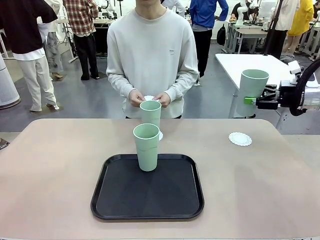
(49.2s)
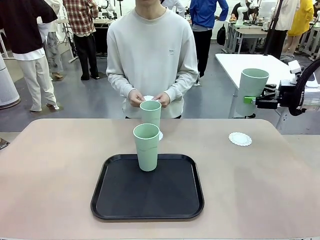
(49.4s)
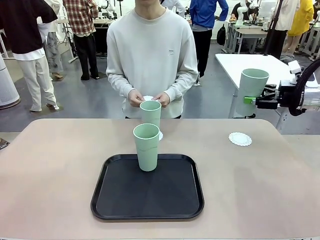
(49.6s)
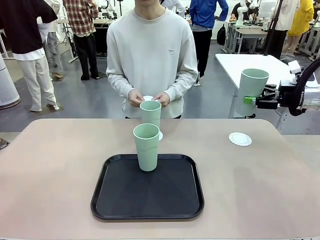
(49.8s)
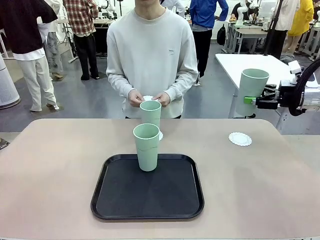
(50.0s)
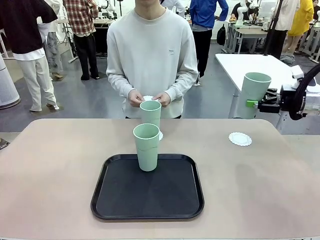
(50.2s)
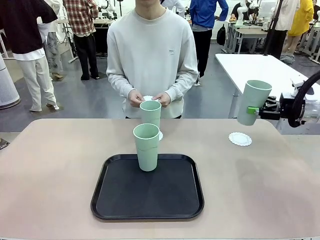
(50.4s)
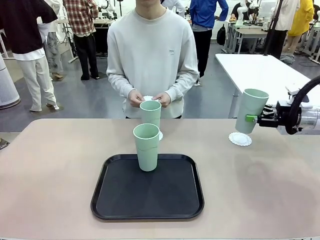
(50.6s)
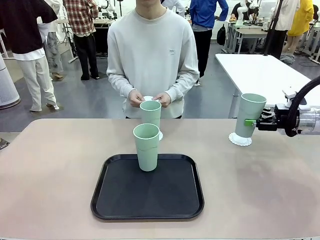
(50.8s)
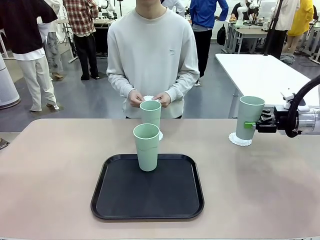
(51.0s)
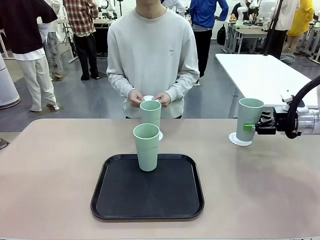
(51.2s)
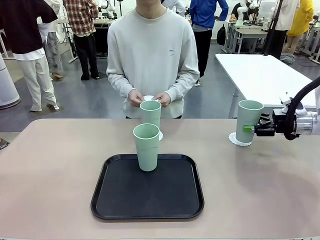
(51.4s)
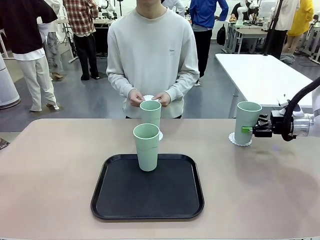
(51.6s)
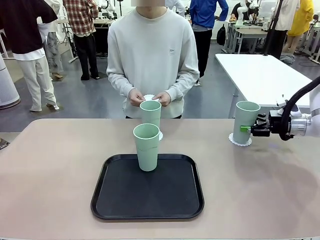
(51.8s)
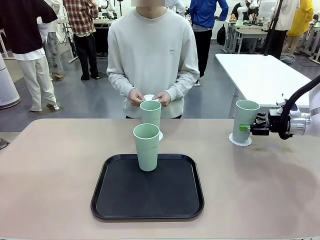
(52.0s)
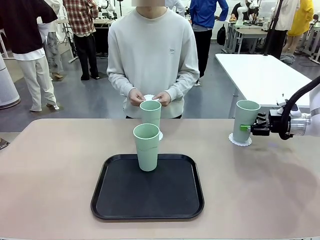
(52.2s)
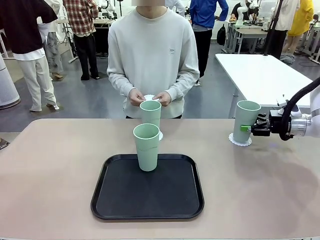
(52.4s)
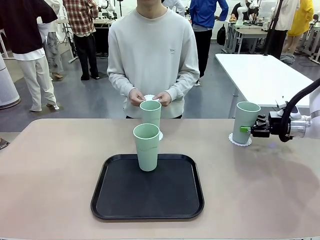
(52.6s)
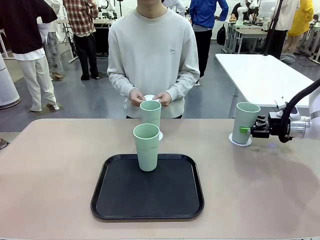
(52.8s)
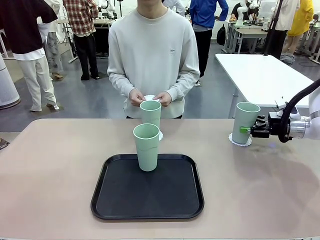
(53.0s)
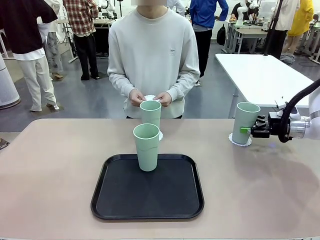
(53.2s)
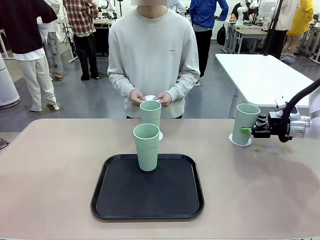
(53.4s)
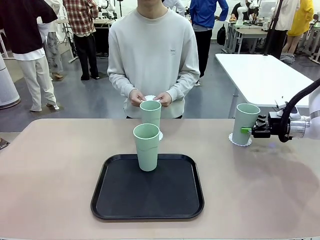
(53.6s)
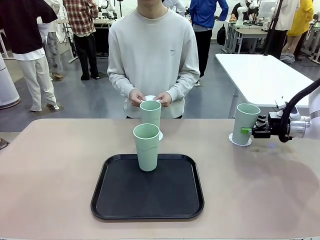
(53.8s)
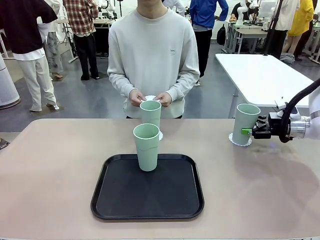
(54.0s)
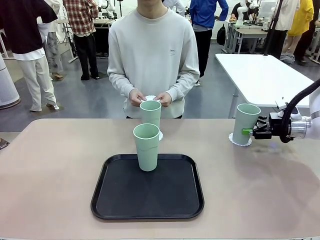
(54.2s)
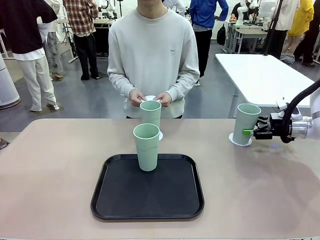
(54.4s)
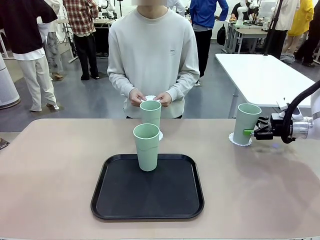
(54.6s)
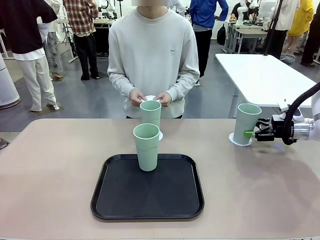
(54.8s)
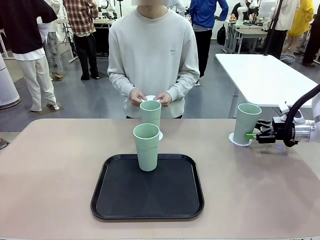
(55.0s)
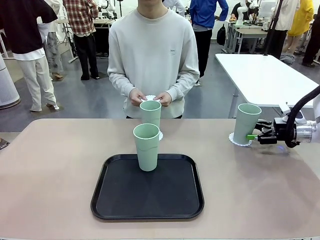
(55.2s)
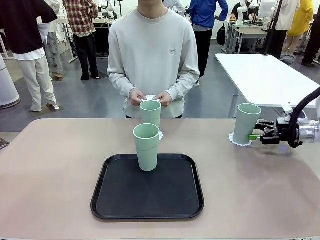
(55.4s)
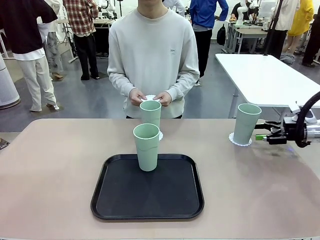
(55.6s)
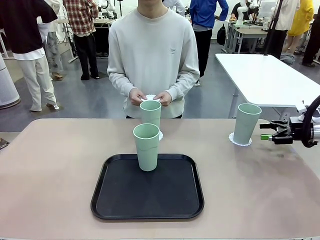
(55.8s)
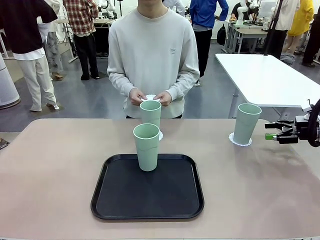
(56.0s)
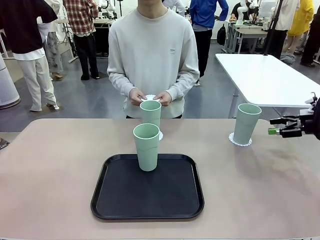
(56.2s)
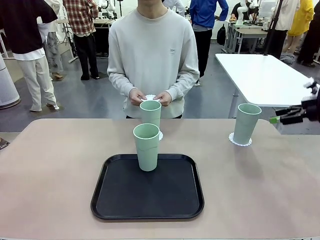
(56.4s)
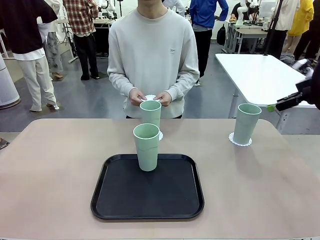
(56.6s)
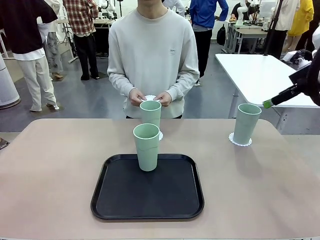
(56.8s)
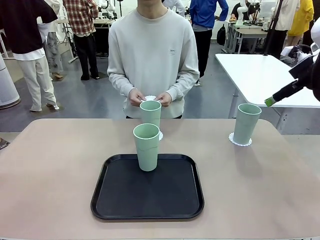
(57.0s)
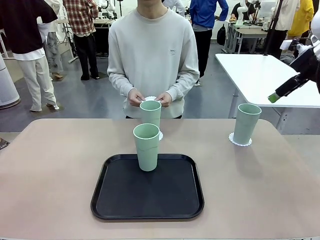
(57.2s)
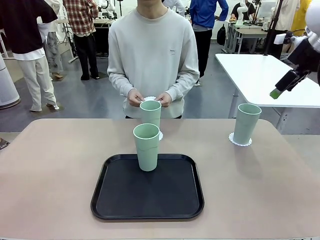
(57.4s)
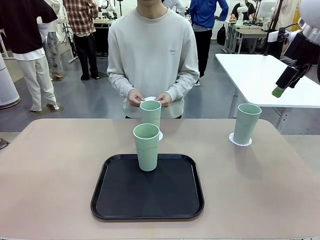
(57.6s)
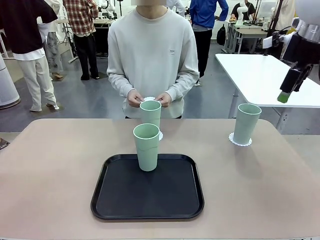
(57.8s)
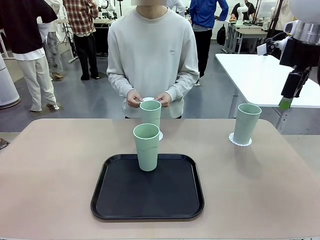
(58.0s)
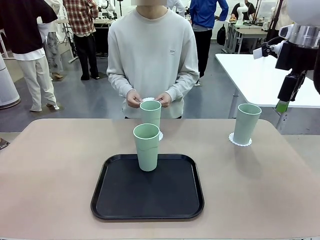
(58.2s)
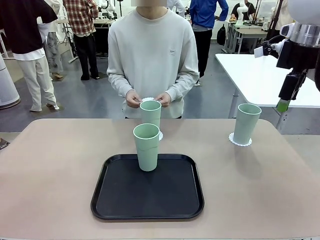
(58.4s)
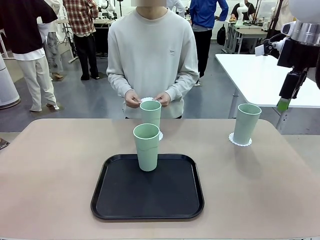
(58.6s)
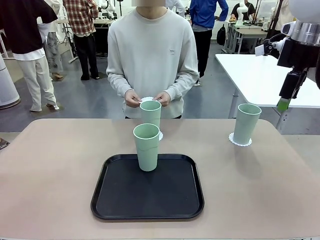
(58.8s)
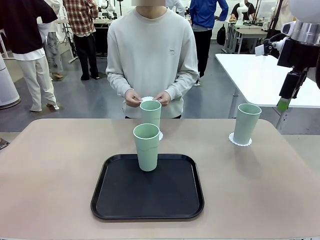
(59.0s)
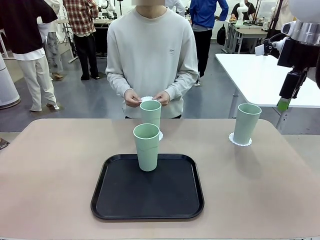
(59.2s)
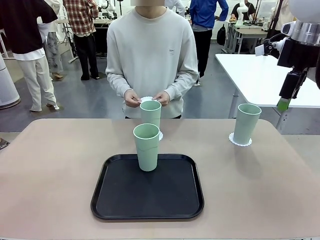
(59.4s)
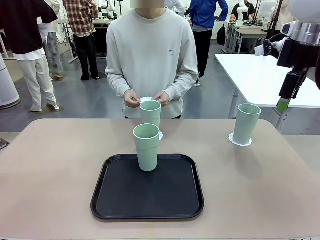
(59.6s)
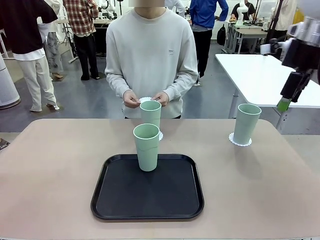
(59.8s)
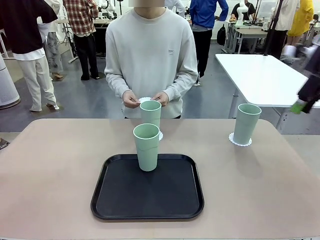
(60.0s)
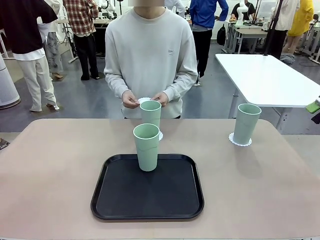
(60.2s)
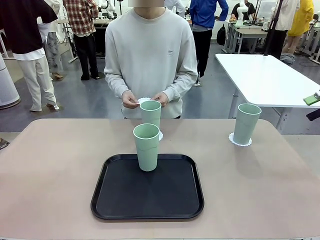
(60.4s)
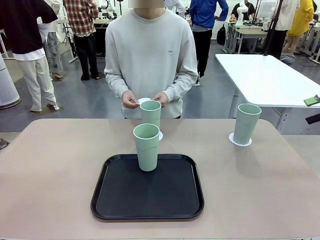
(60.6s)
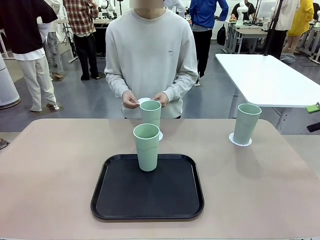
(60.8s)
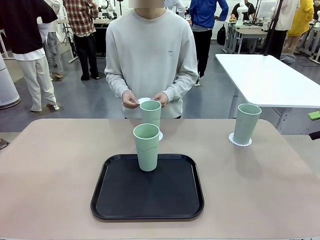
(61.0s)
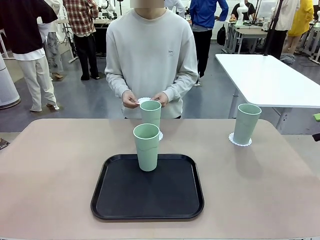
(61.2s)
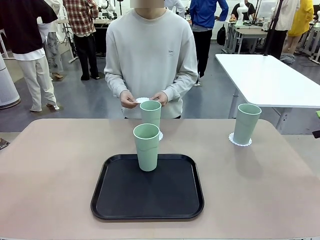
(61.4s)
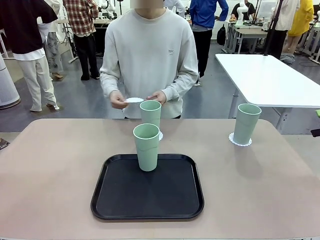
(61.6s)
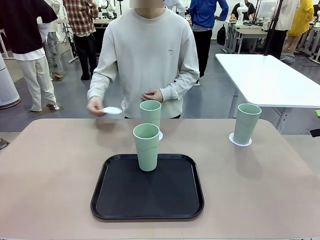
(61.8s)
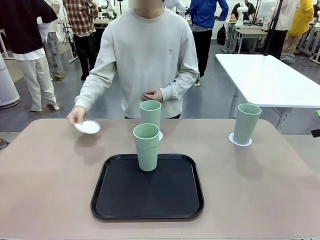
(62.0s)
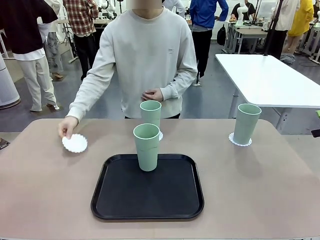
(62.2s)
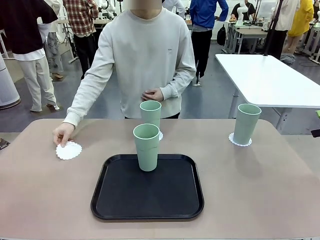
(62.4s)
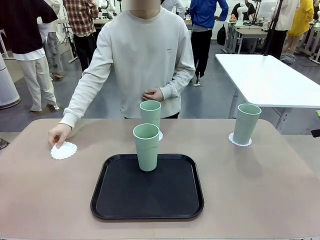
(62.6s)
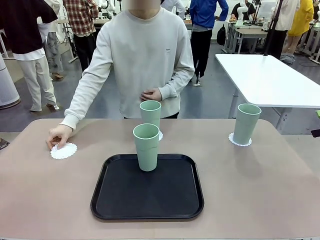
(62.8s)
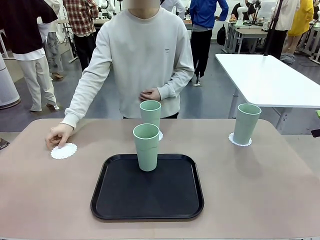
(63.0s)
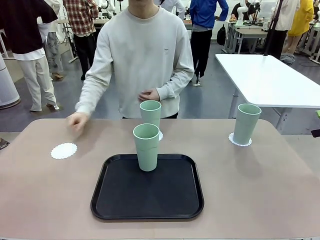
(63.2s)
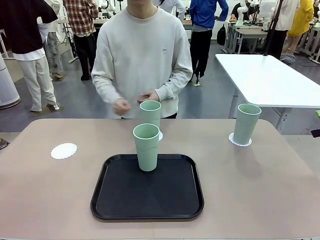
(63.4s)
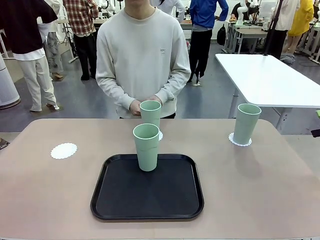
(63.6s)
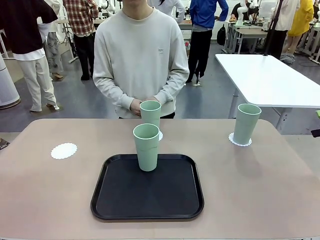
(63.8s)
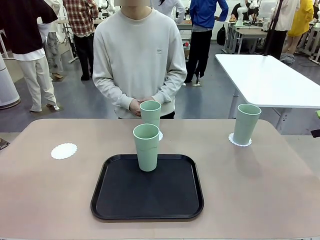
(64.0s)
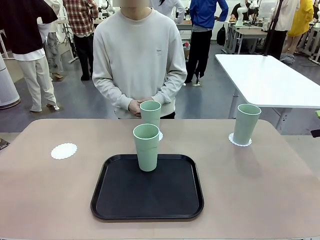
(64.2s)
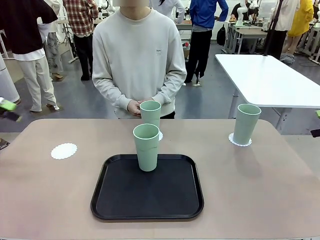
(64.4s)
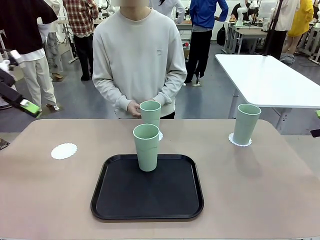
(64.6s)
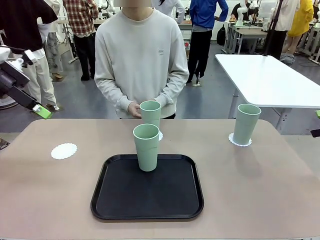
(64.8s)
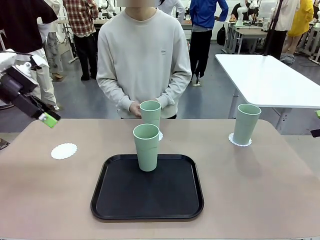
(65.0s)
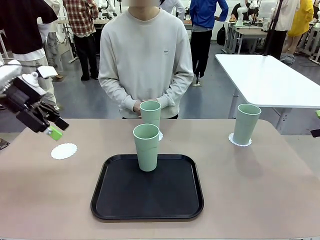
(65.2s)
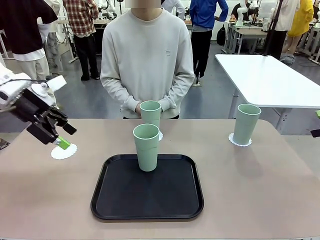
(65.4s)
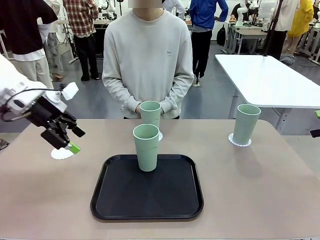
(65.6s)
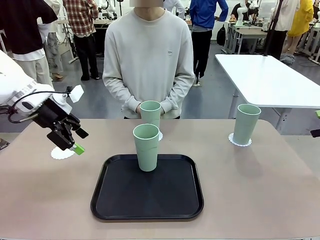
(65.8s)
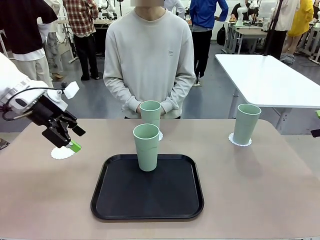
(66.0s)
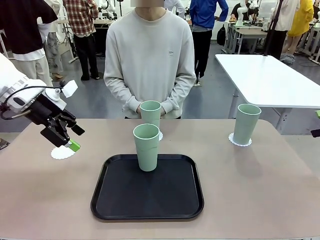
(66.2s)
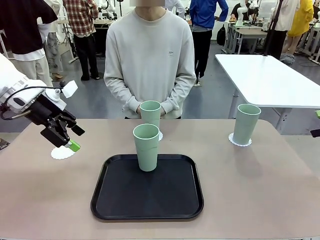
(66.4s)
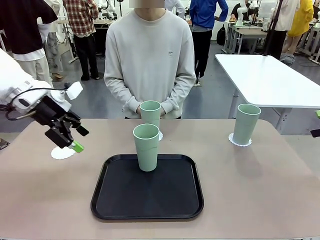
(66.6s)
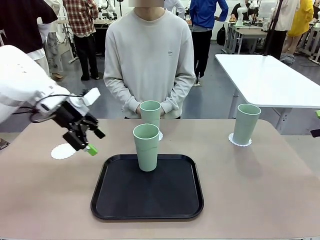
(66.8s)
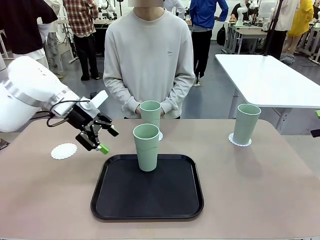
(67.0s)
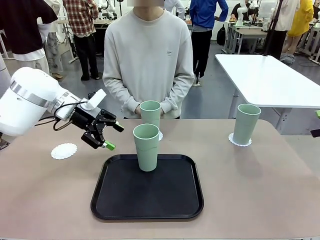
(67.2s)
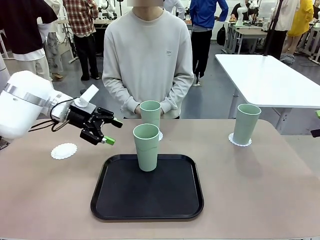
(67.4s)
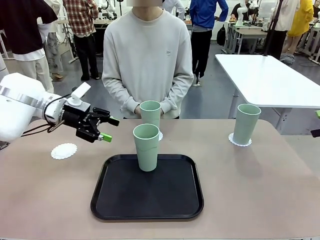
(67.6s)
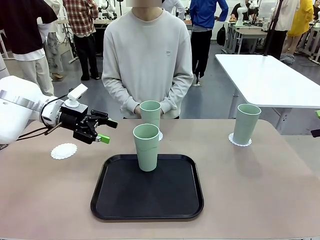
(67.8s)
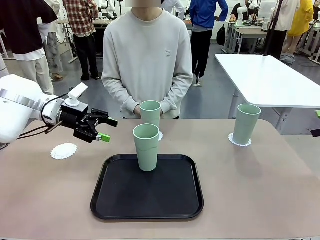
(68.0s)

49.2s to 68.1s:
Task: Place coasters on the table and set cups on them.
Robot: Take one Reusable plastic cup from the Flat Tray and place it on a coaster set by the human.
